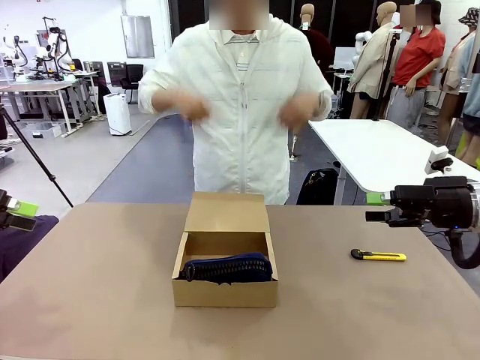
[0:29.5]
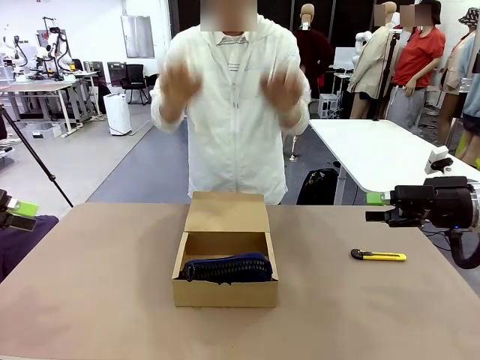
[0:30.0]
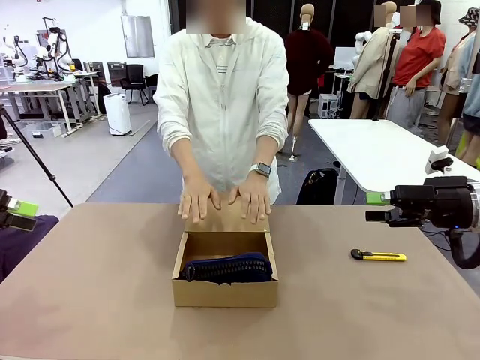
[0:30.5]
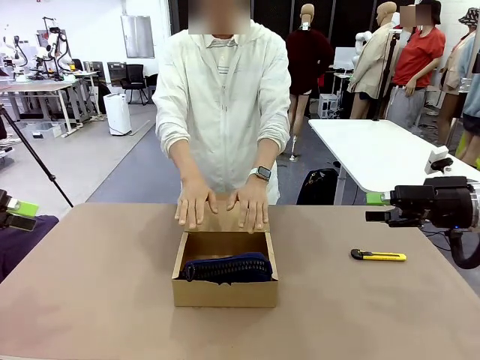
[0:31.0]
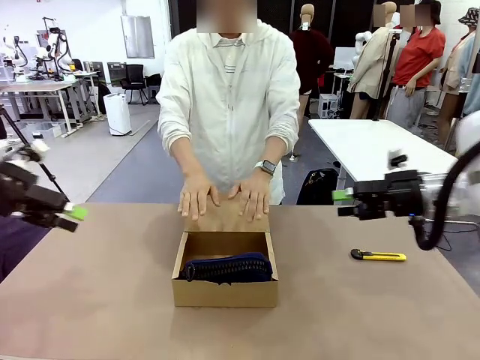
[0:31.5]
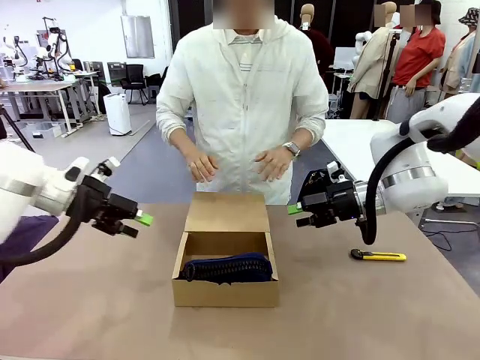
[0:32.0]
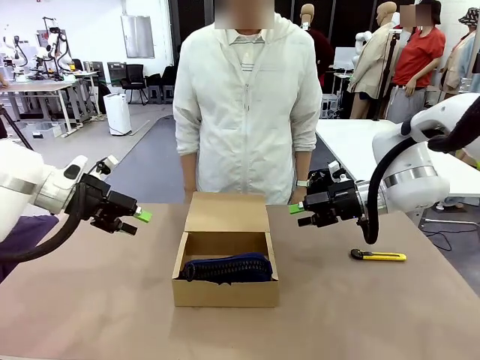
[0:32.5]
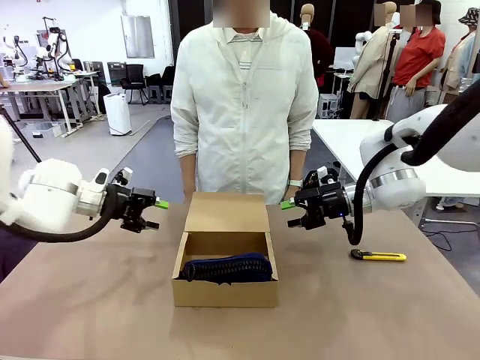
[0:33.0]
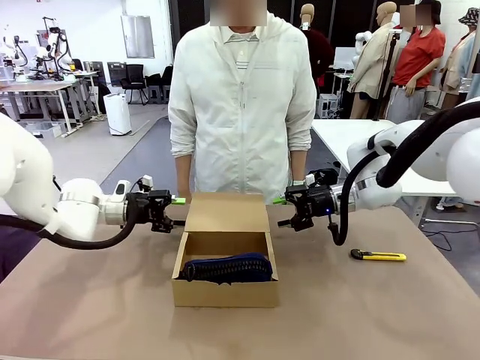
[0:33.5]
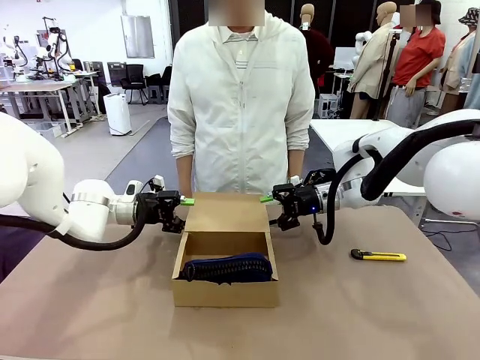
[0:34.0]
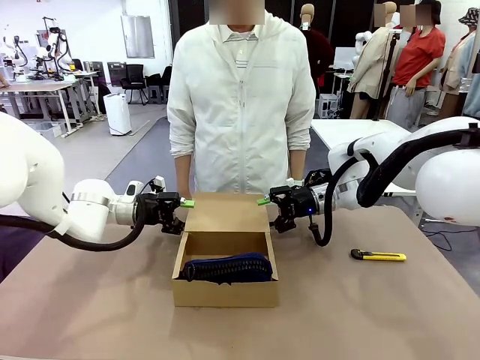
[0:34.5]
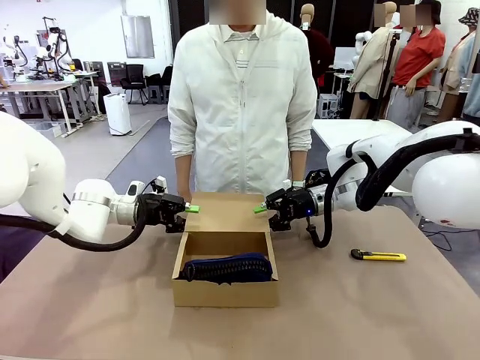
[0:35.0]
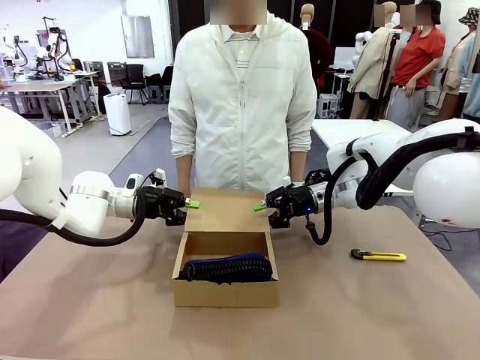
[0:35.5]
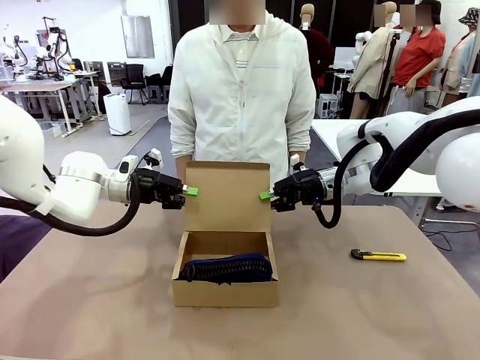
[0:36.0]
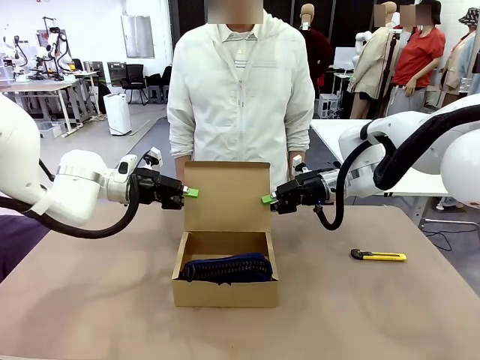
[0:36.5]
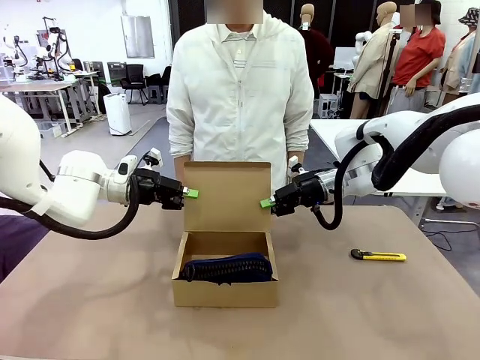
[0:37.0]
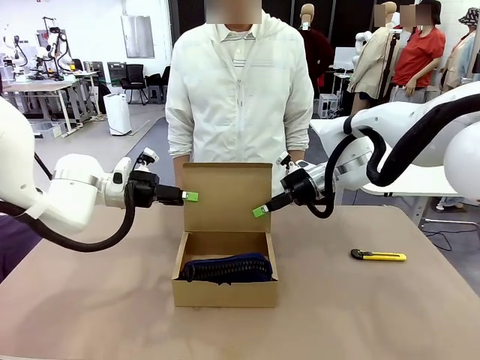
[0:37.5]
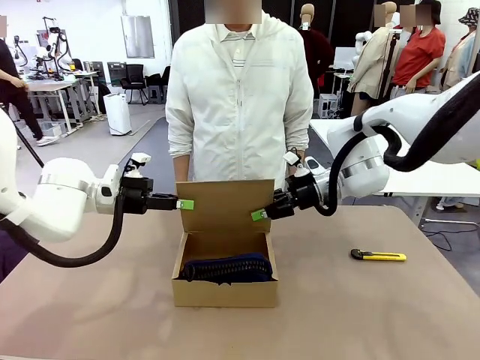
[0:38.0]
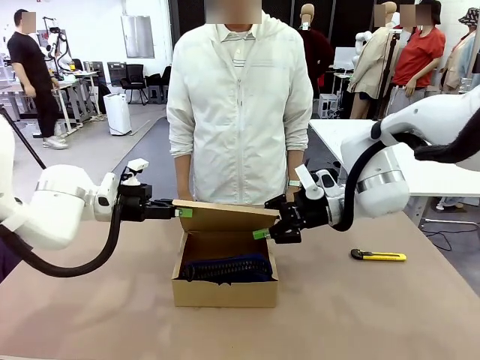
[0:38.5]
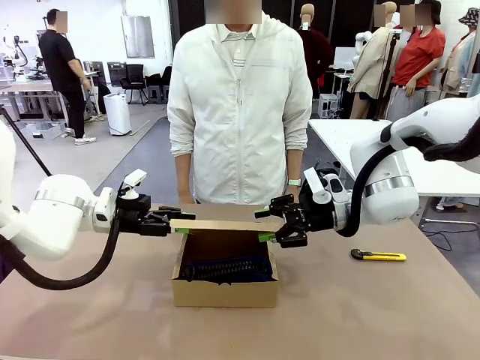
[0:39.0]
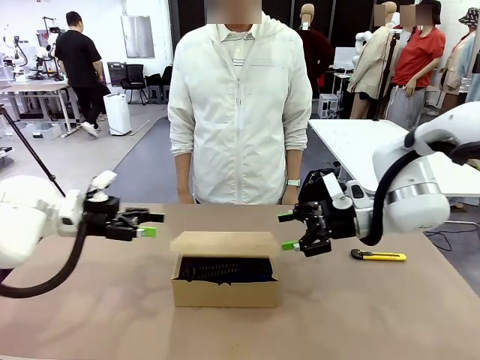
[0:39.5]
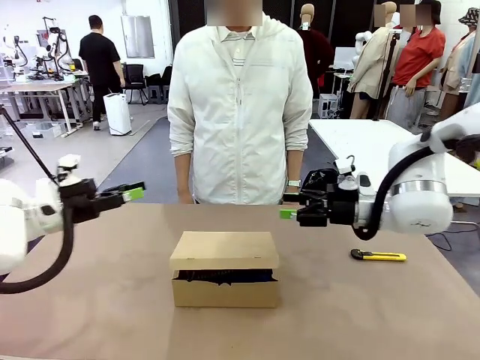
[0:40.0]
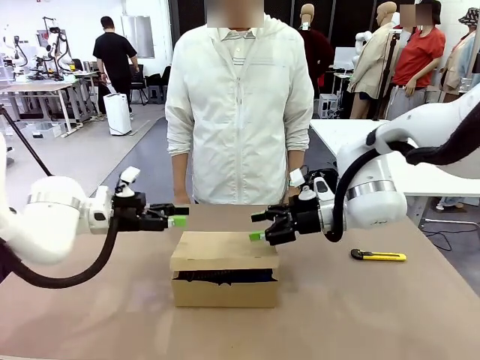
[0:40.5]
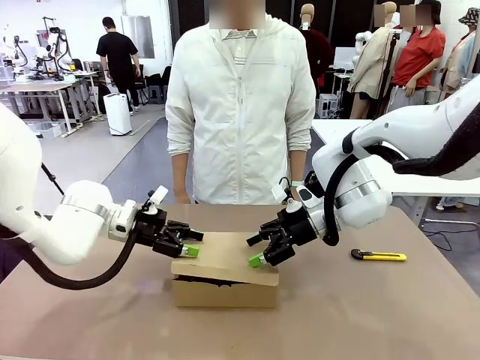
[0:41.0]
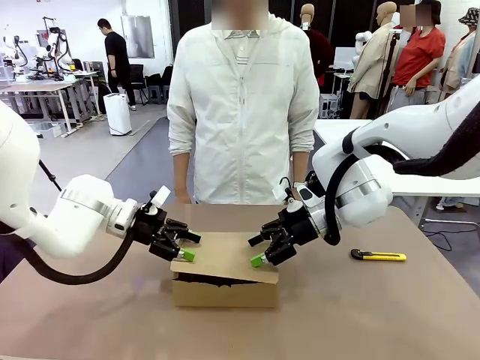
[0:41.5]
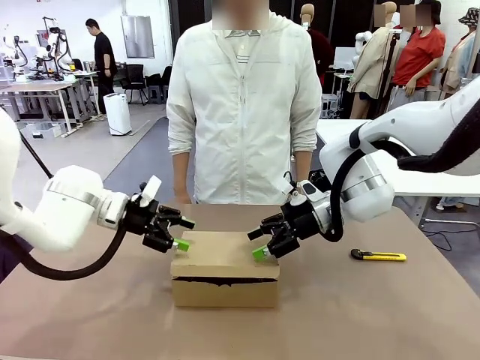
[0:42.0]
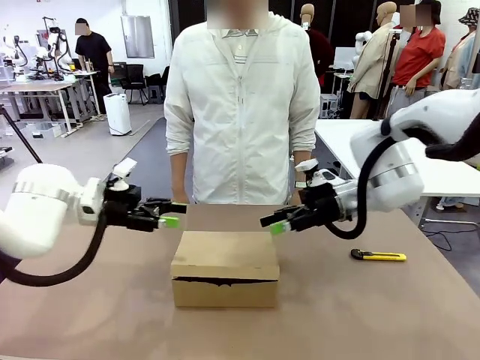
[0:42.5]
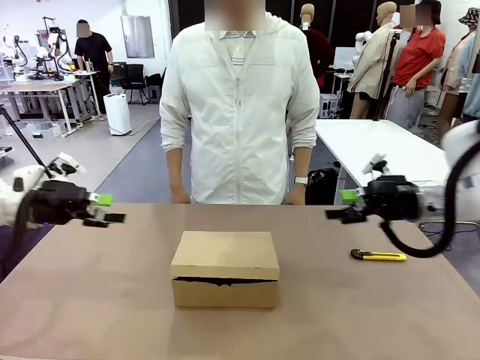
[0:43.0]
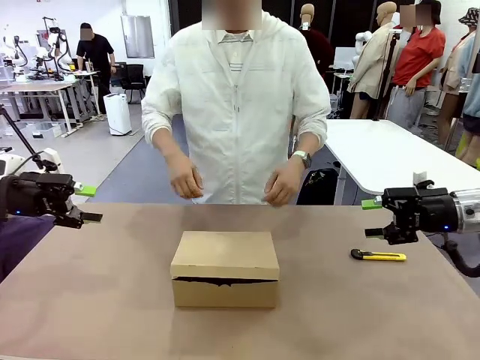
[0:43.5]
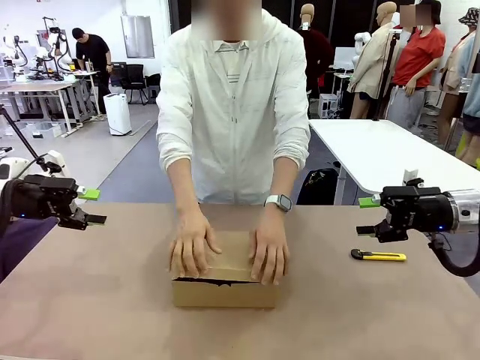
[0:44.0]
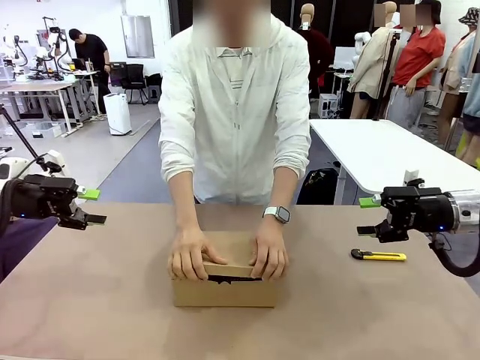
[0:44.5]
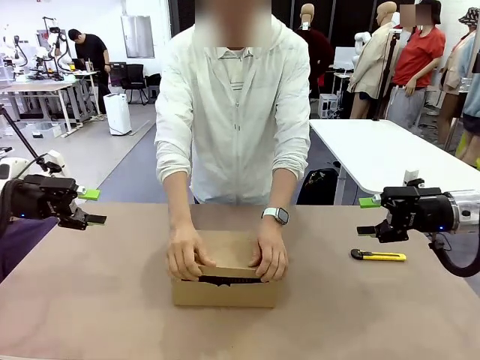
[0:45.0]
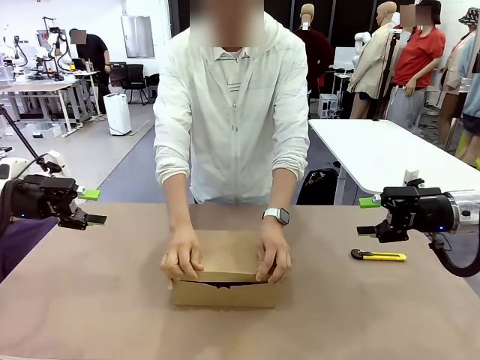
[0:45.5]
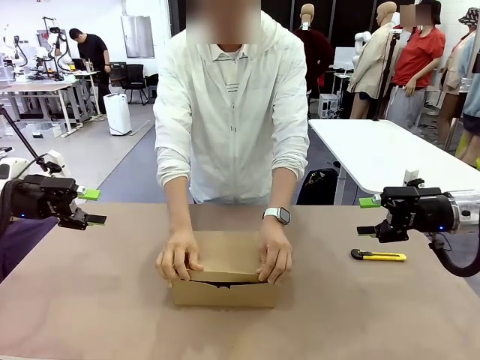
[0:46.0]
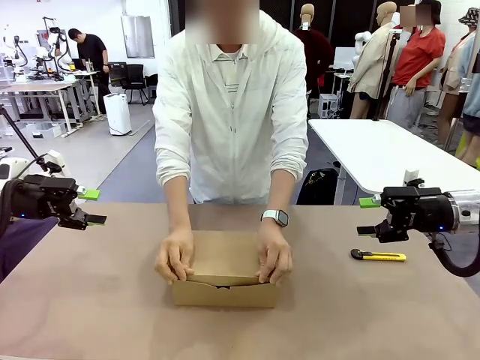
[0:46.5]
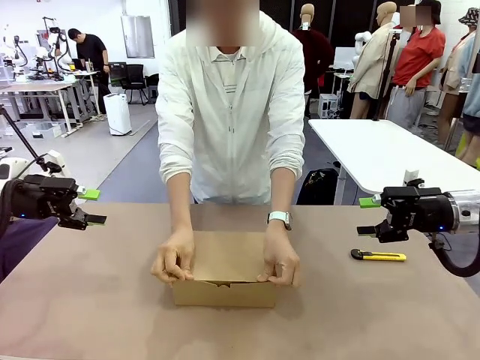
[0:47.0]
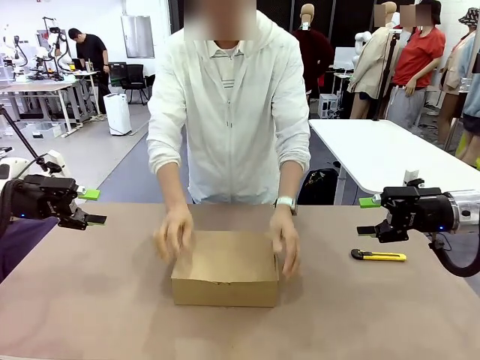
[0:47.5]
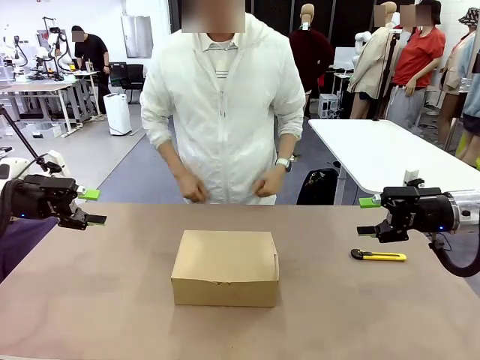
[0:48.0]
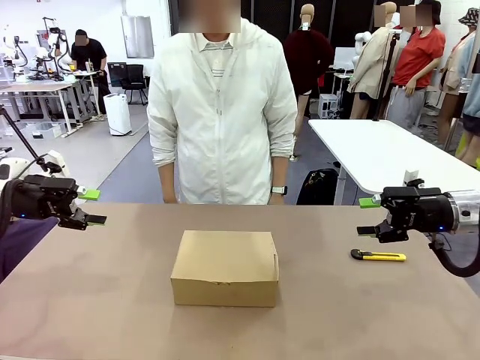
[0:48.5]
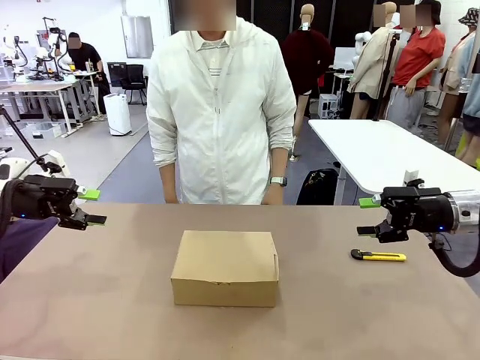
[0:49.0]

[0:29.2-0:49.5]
Task: Pack the items into the box.
Robot: Close the Mailer Box.
Person: Turn the box and lock it.

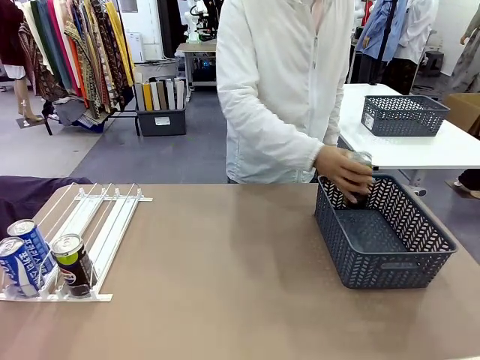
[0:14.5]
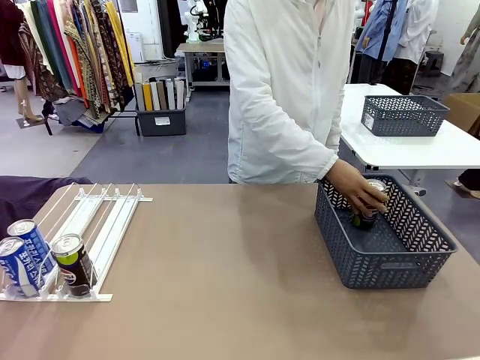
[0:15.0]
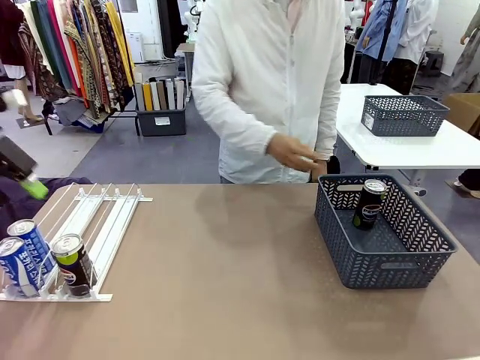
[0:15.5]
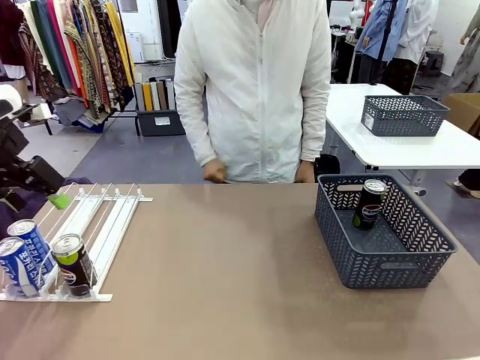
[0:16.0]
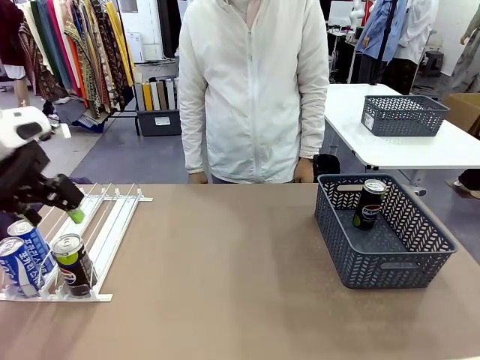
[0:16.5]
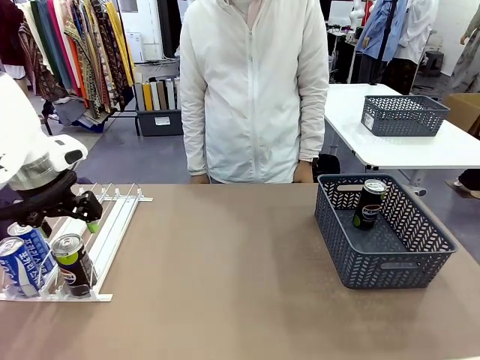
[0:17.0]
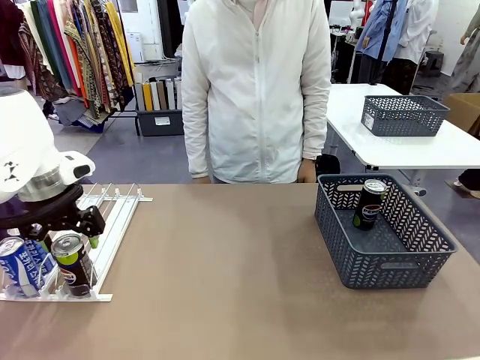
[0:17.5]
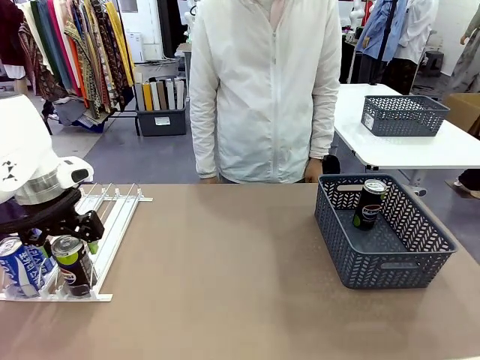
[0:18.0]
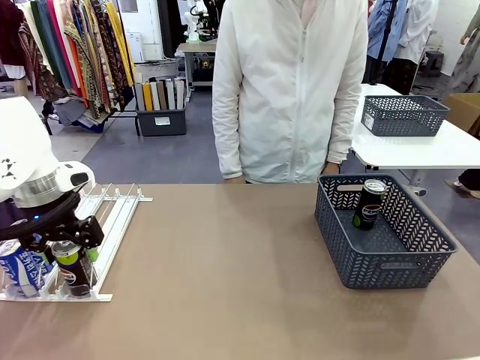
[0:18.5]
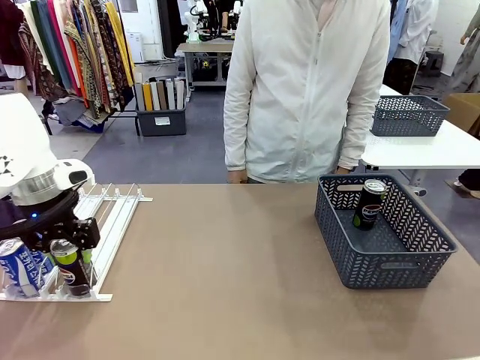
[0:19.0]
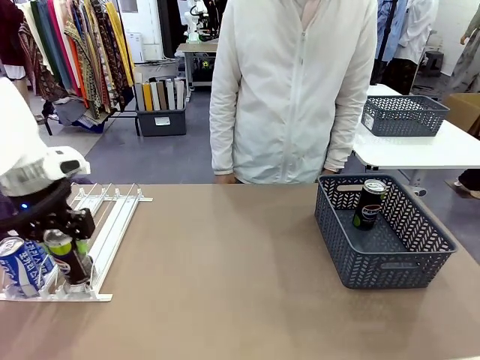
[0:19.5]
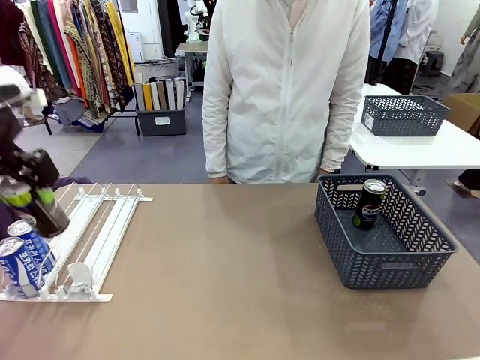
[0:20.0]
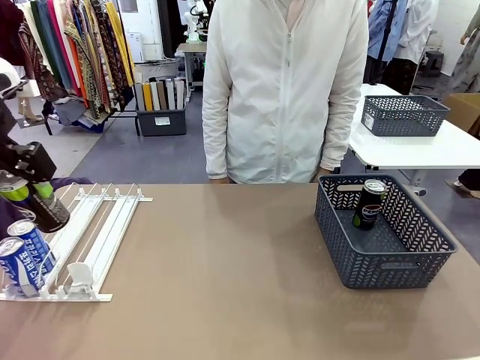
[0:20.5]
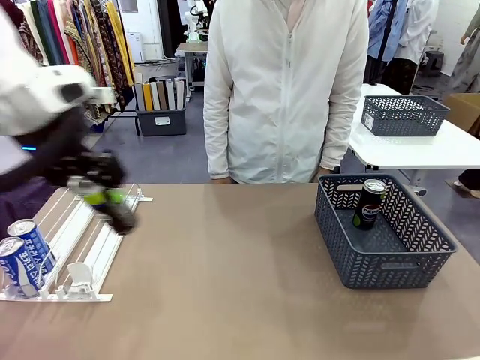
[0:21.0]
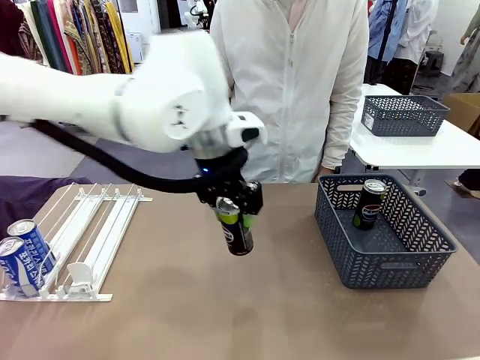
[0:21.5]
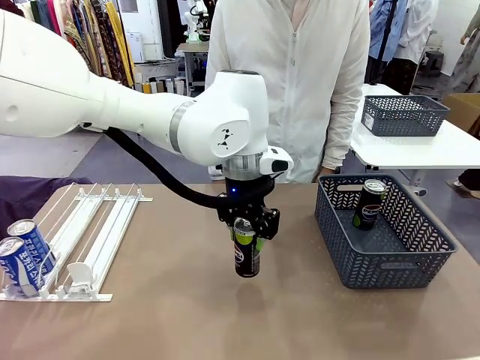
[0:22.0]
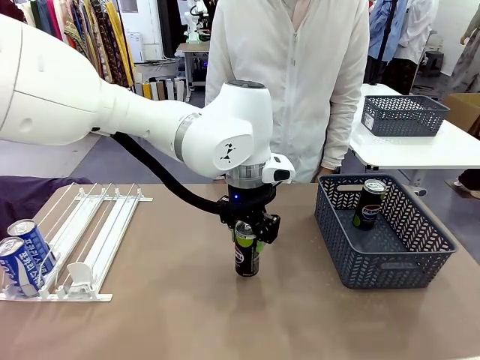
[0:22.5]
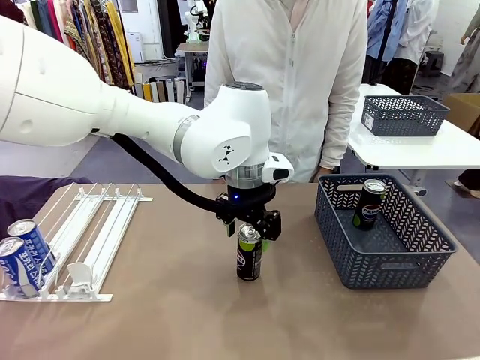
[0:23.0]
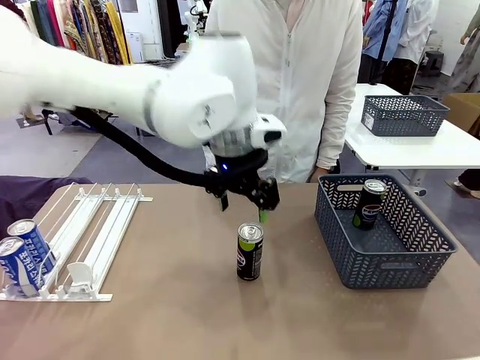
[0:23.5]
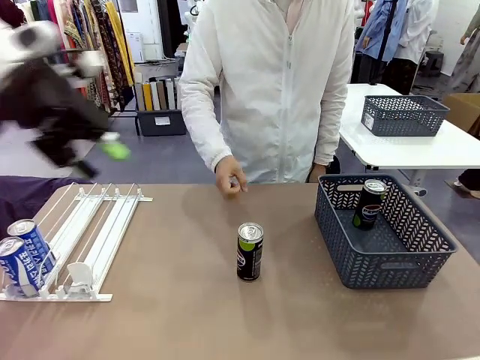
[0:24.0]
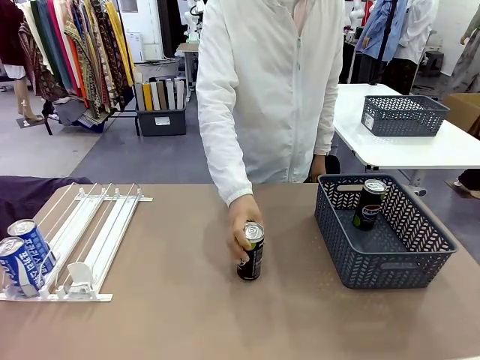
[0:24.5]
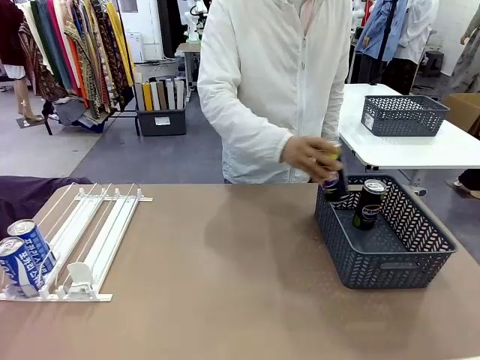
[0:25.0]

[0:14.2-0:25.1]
Task: Retrieve and store the cans from the dispenser.
Robot: Pick up the last remaining can from one row of the Automatic Can Dispenser and place it in the middle of the table.
Person: Pick up one Pepsi can from the middle of the robot table and place it in the basket.
